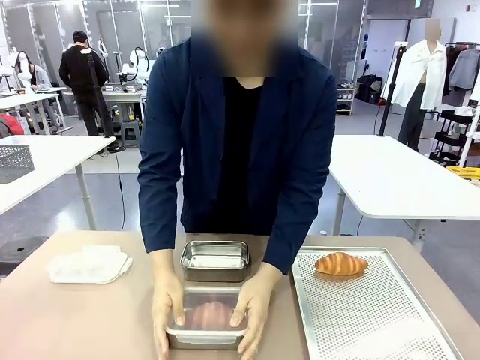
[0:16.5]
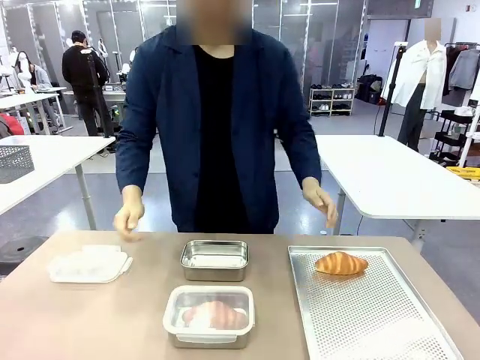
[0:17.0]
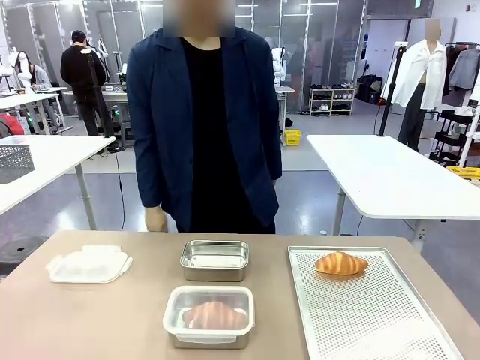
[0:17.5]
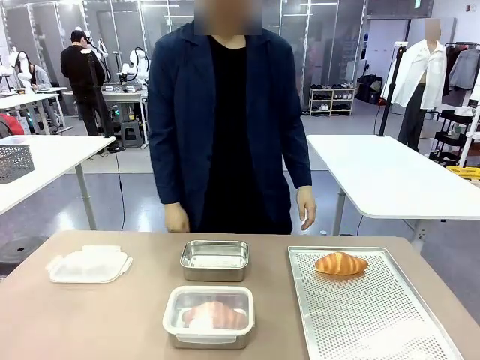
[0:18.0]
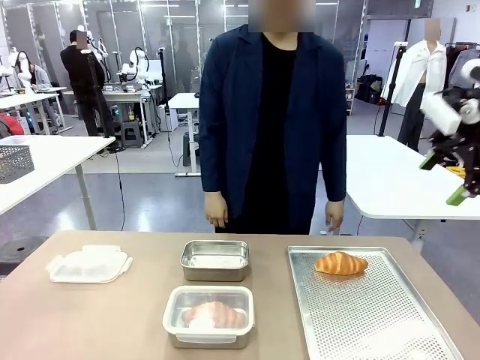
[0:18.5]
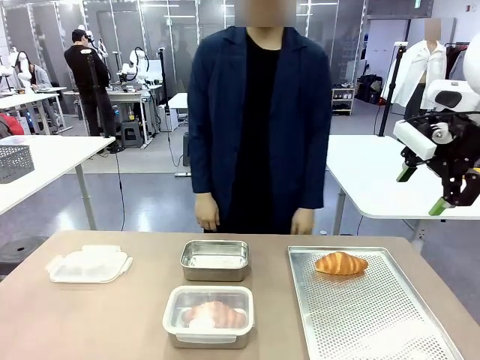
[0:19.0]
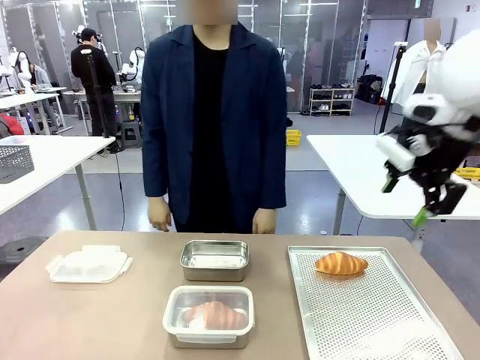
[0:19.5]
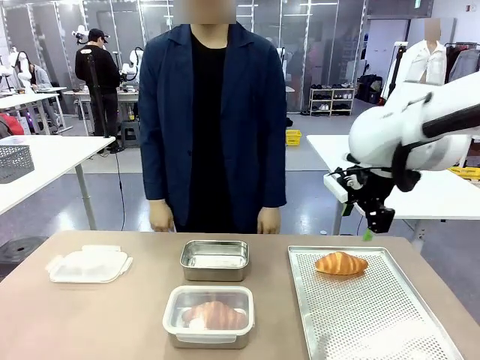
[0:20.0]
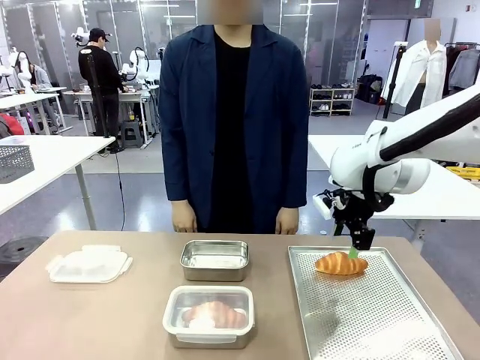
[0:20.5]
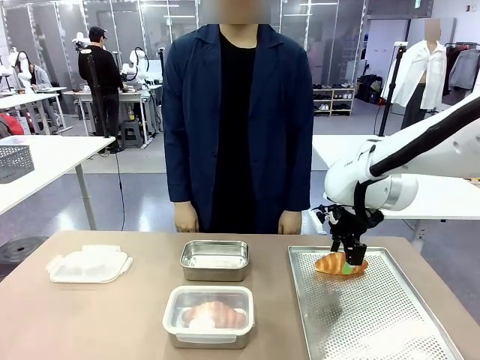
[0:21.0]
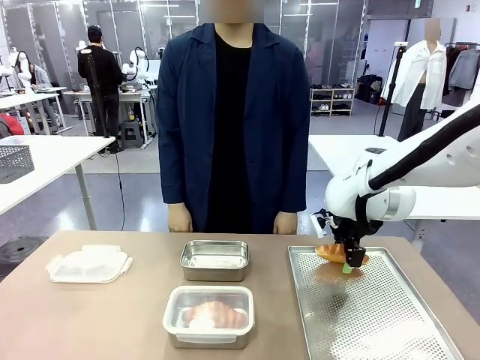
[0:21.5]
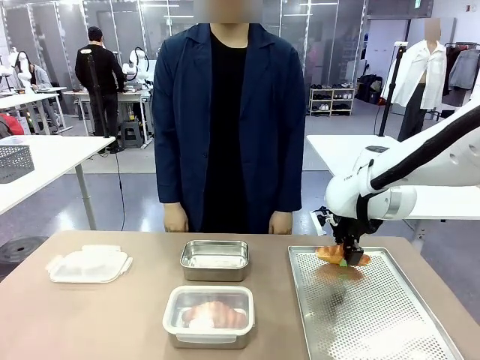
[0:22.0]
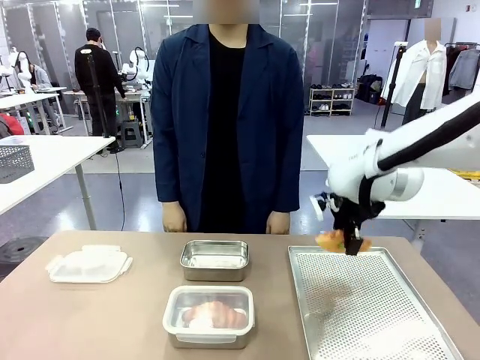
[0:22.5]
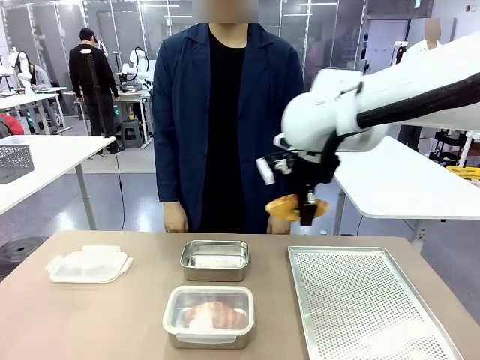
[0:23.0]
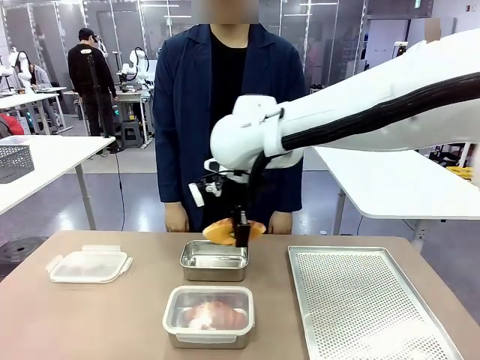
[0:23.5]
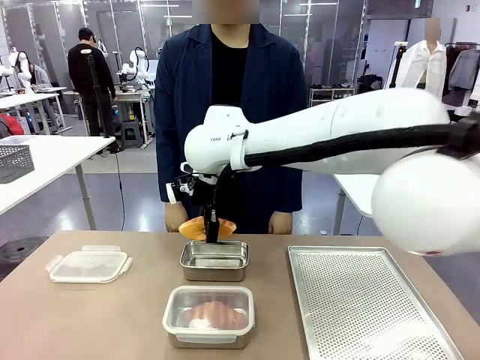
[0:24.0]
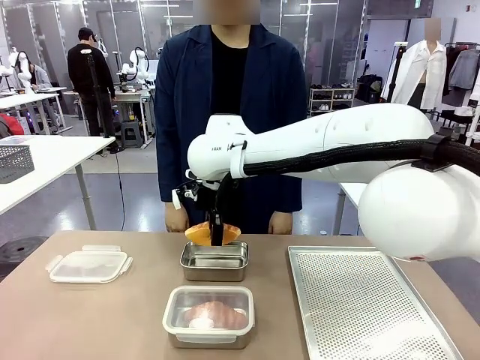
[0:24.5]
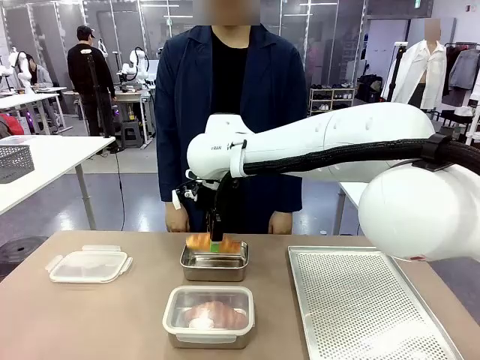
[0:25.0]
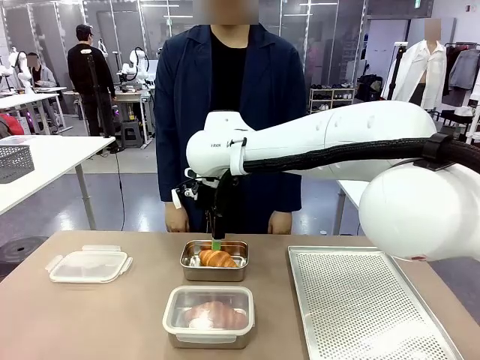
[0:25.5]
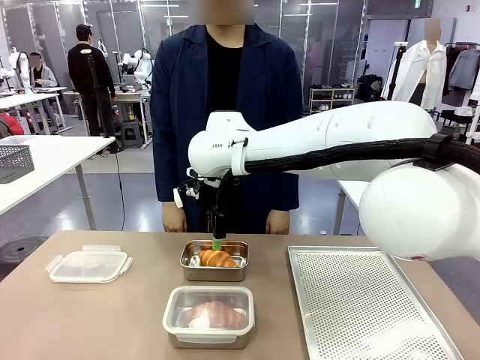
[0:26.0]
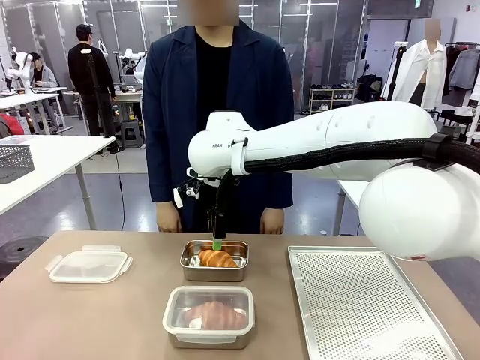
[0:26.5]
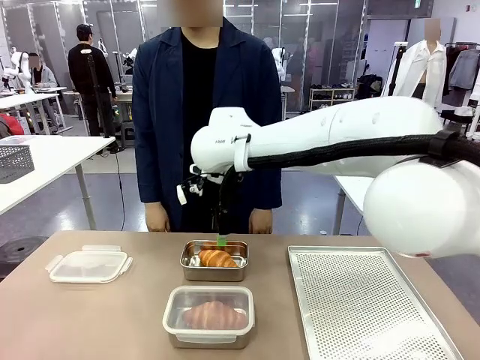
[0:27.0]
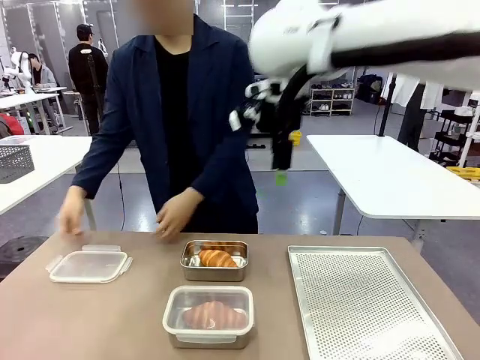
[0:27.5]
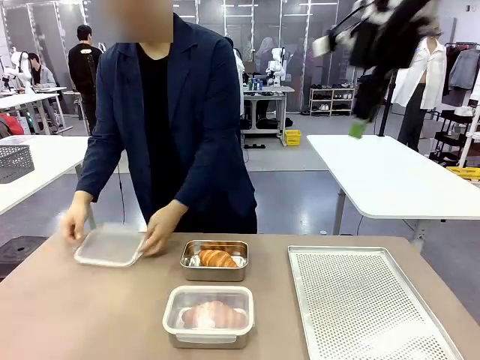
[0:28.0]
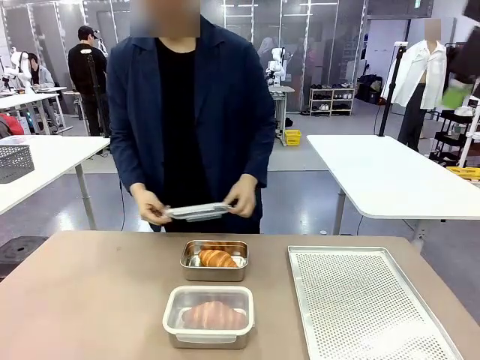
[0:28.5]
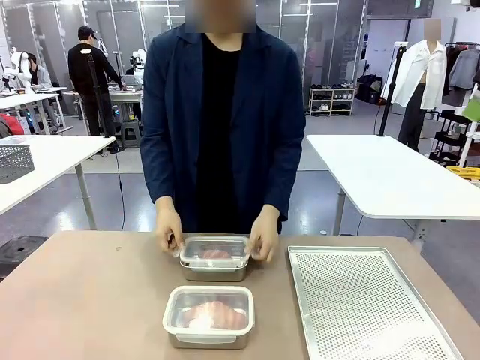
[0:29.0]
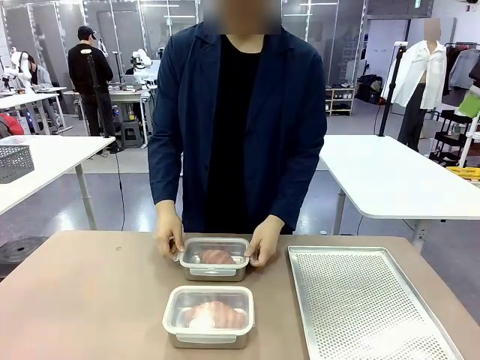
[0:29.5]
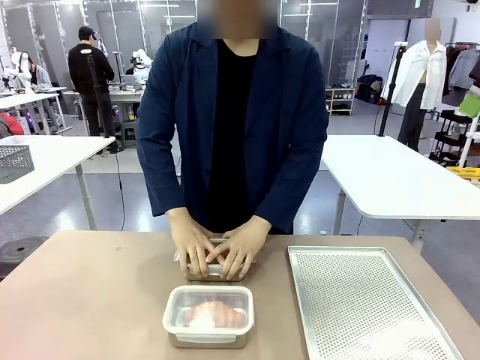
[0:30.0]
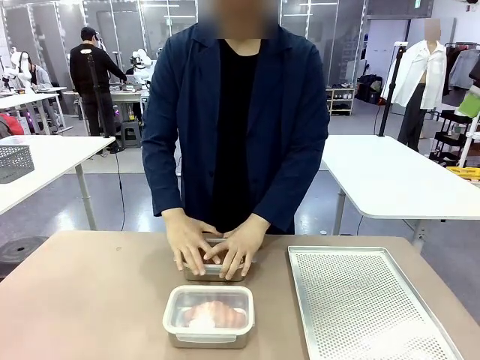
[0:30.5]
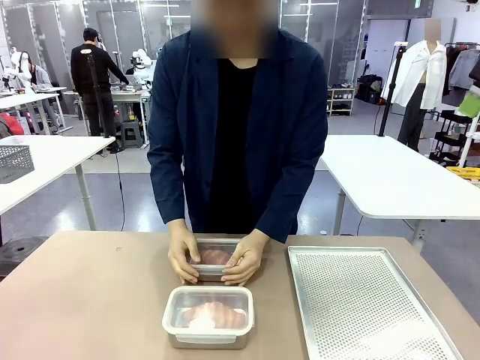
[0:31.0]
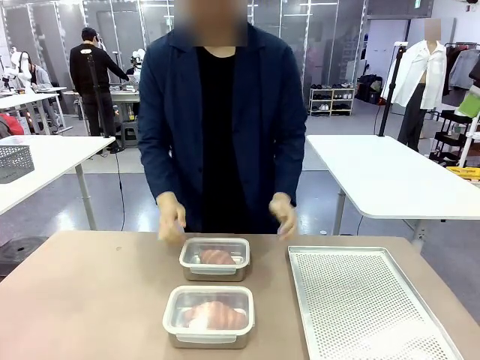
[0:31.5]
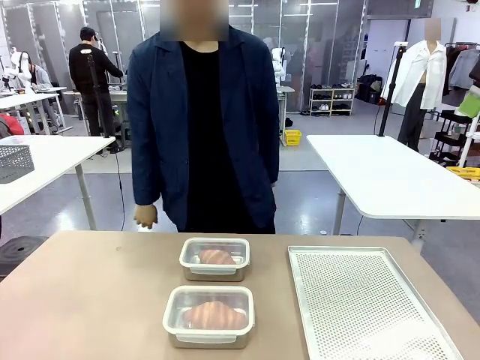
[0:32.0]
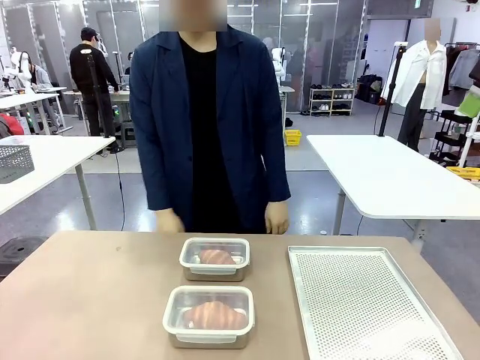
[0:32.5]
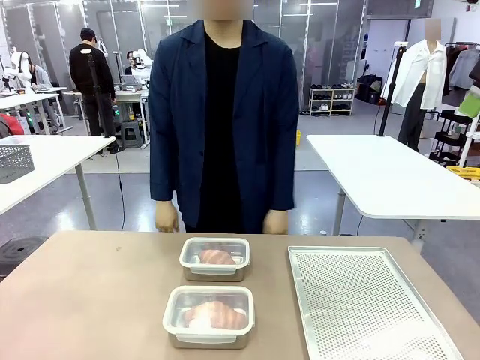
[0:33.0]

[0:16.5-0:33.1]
Task: Place the bread into the airtight container.
Robot: Pick up a Butter Roll and place it into an empty Airtight Container.
Person: Once a Butter Roll is inside an Airtight Container , close the lid of that Airtight Container.

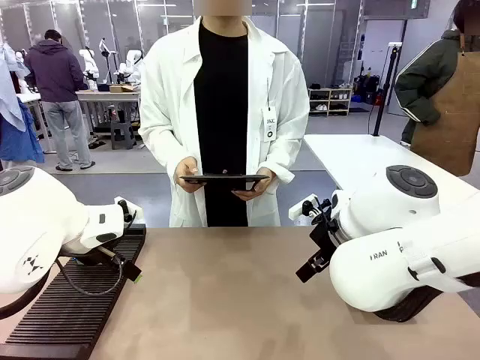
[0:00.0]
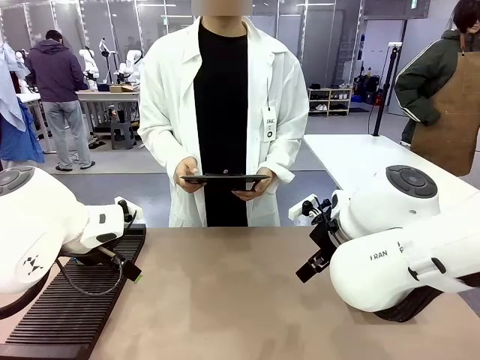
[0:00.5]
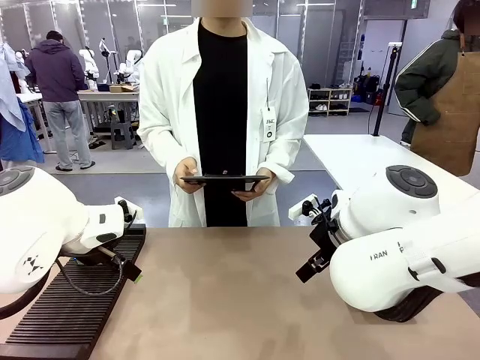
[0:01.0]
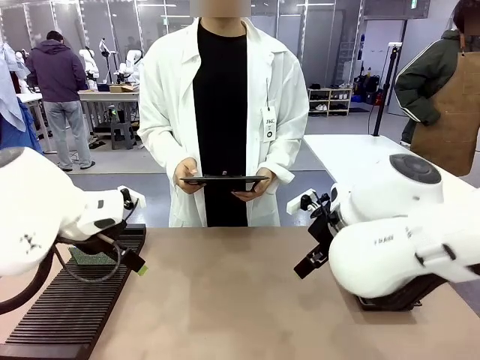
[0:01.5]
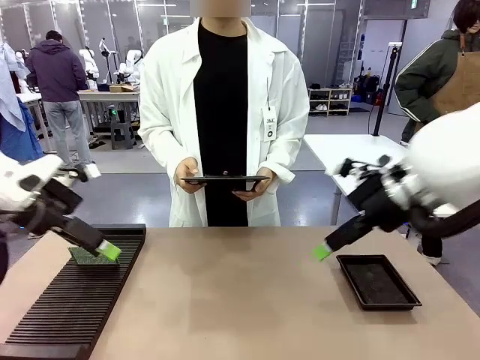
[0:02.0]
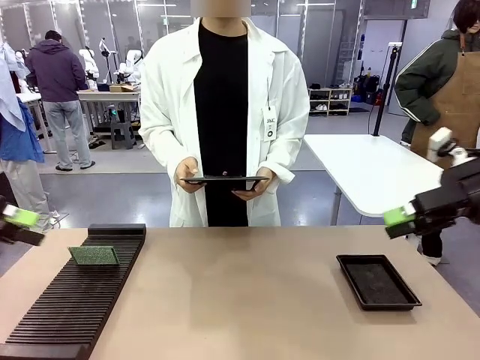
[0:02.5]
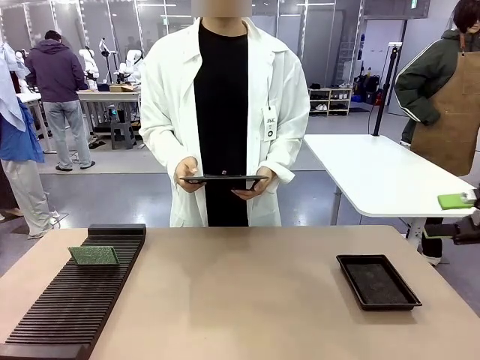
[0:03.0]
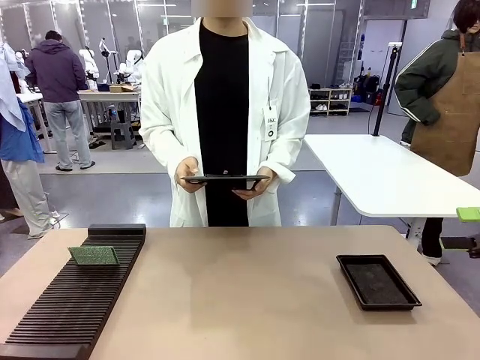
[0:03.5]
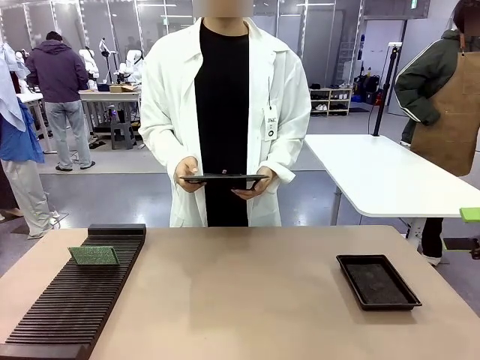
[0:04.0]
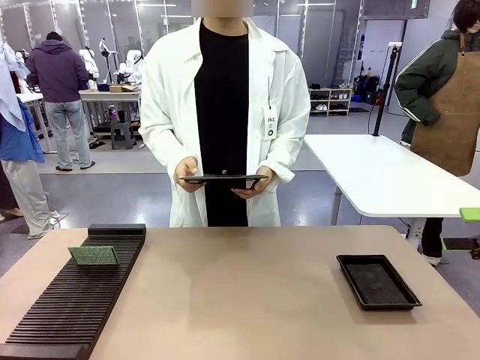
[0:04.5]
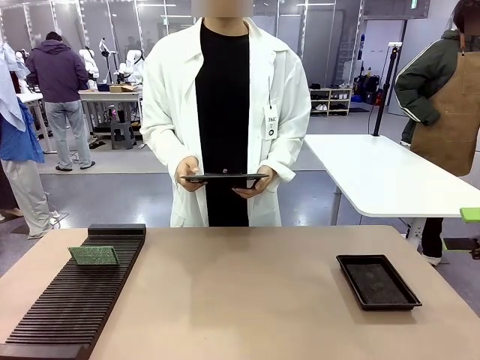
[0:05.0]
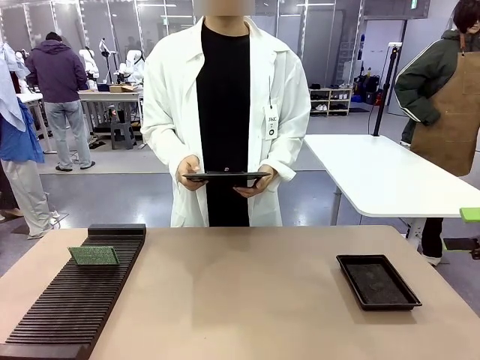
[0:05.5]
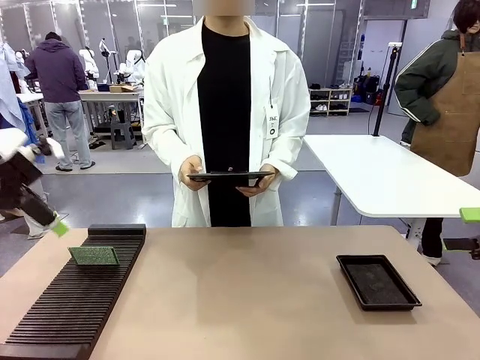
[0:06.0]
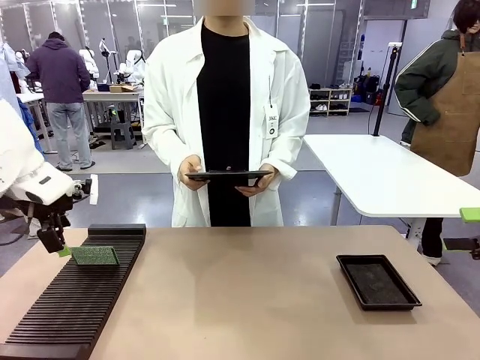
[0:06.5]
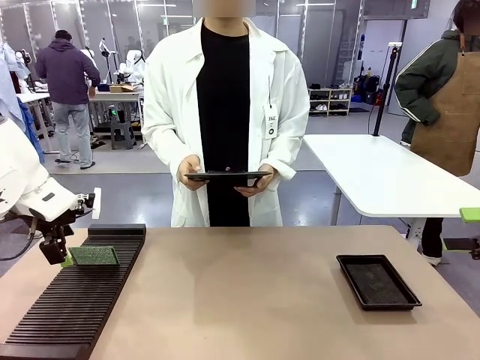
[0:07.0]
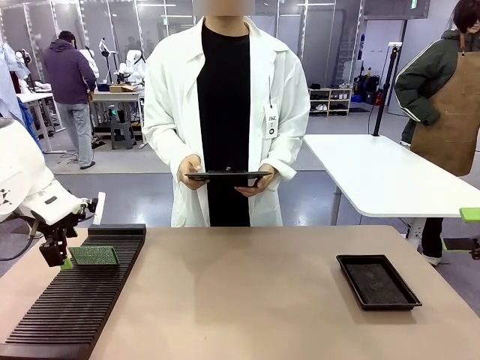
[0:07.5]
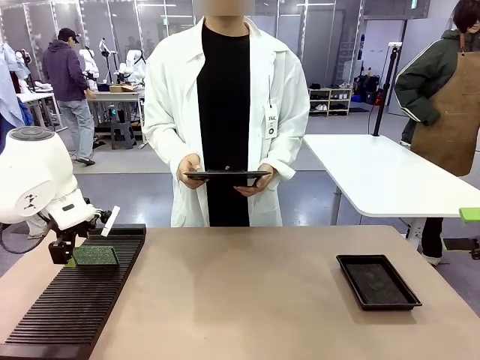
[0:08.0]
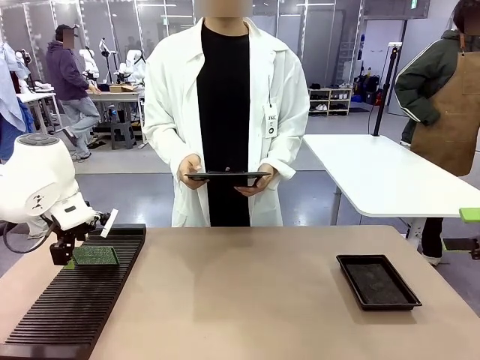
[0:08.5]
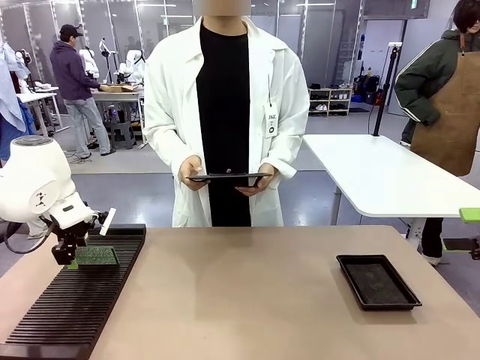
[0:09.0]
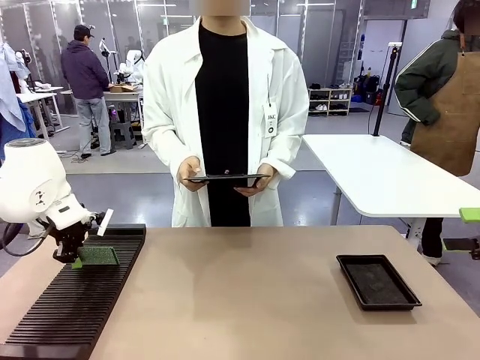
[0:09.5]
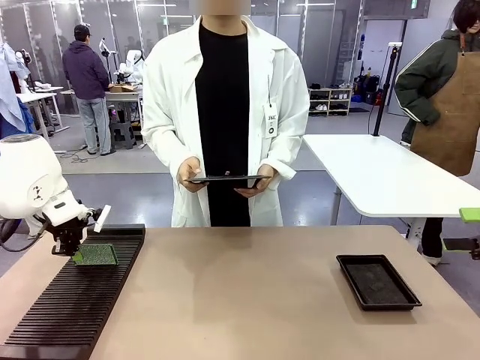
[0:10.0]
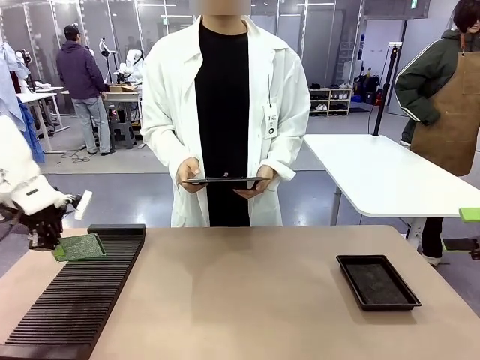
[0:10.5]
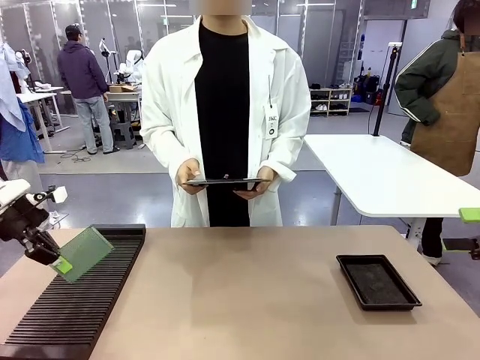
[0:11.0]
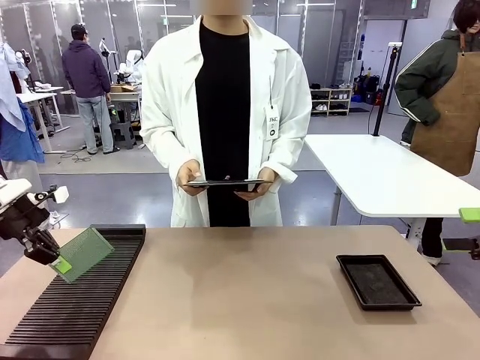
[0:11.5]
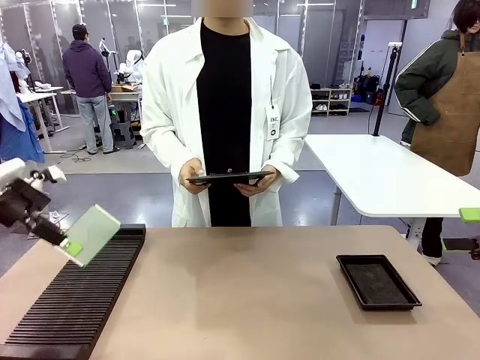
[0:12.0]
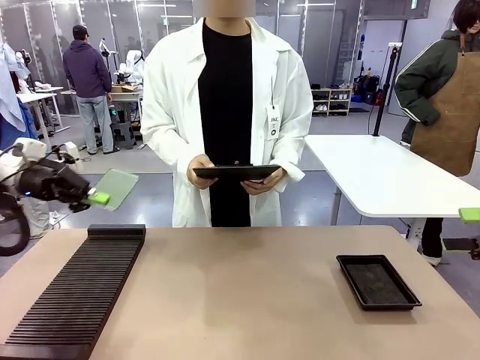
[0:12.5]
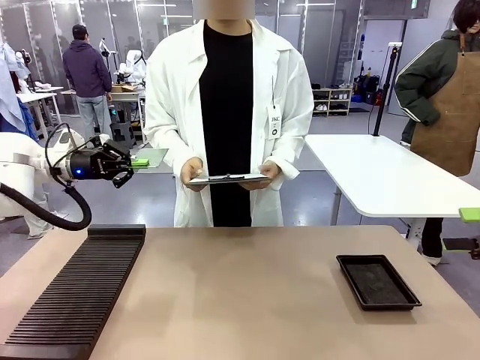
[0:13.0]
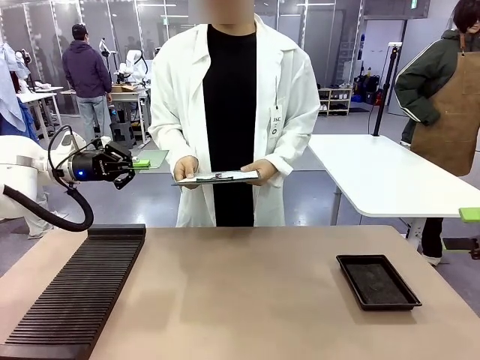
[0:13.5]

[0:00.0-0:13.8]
Task: Inspect the PCB.
Robot: Pick up the Blank PCB and present it to the human.
Person: Pick up the PCB presented by the robot.
